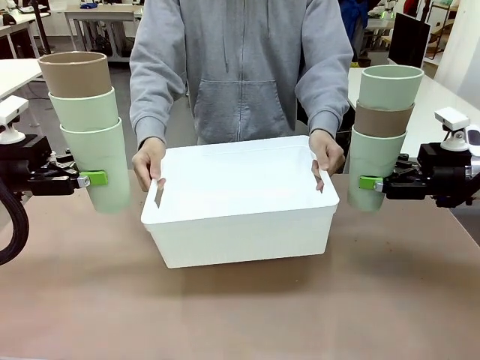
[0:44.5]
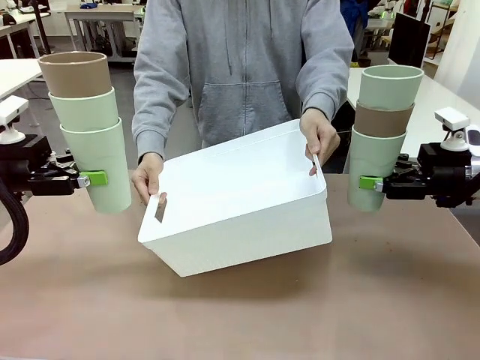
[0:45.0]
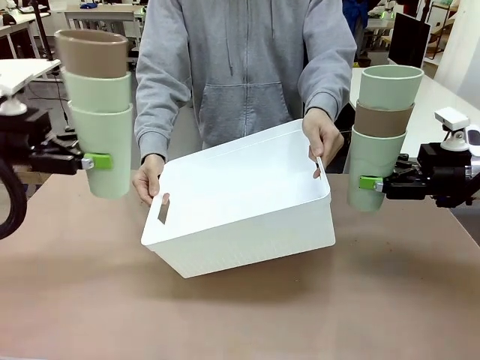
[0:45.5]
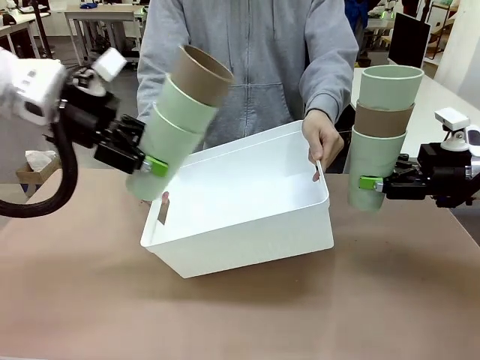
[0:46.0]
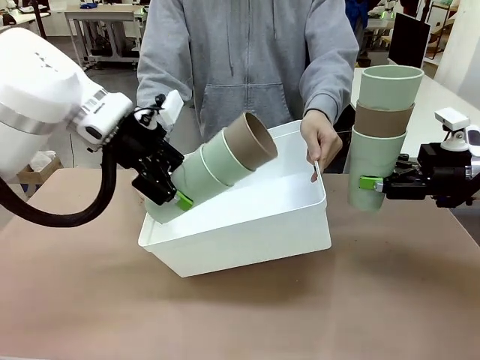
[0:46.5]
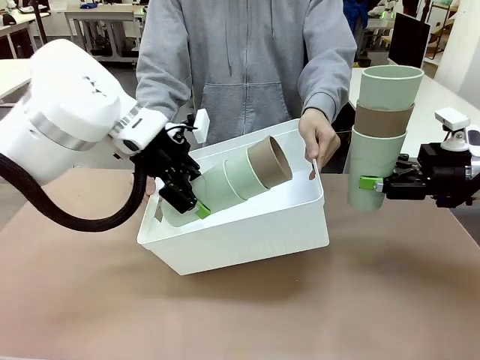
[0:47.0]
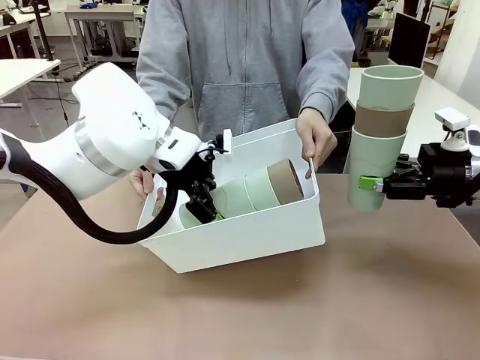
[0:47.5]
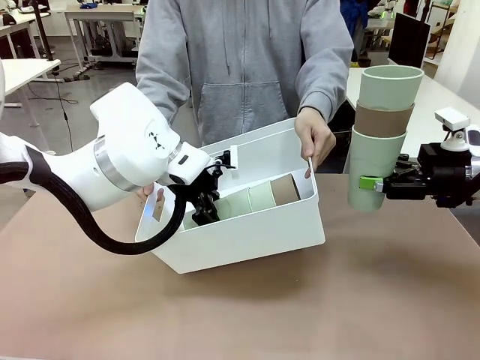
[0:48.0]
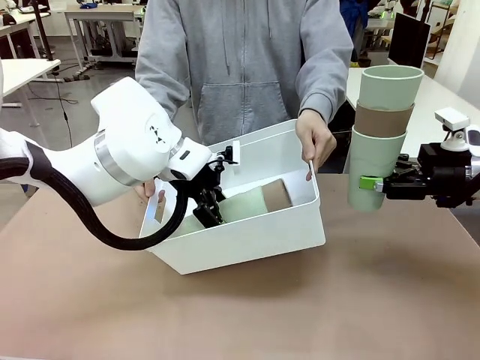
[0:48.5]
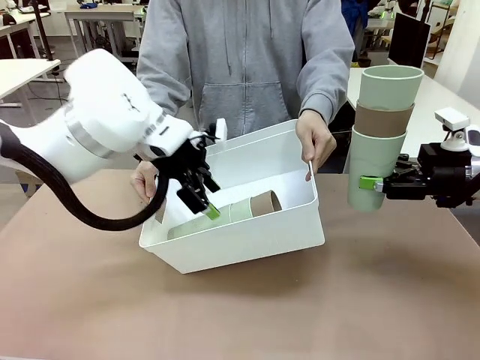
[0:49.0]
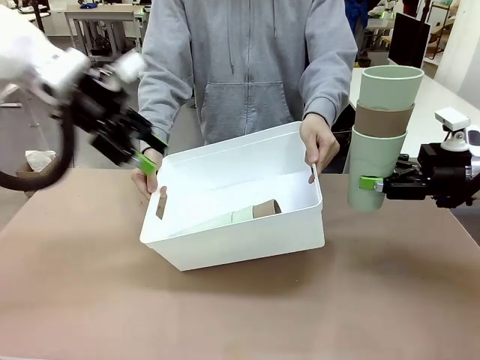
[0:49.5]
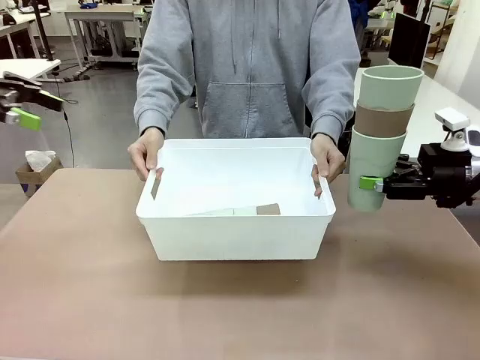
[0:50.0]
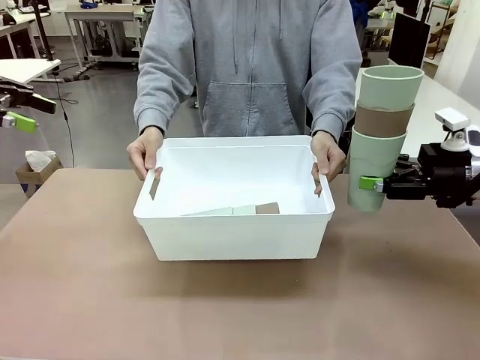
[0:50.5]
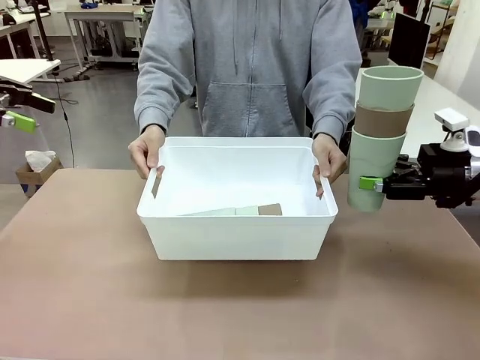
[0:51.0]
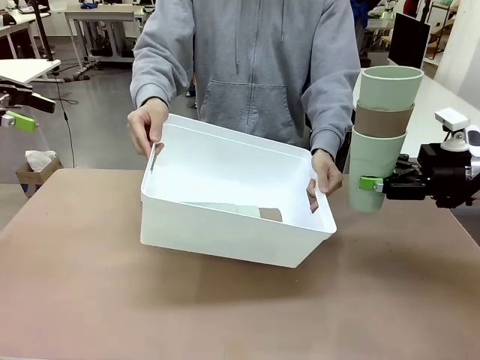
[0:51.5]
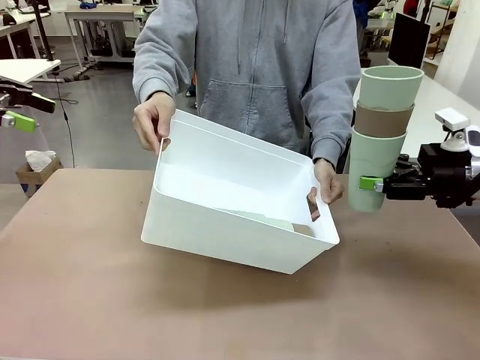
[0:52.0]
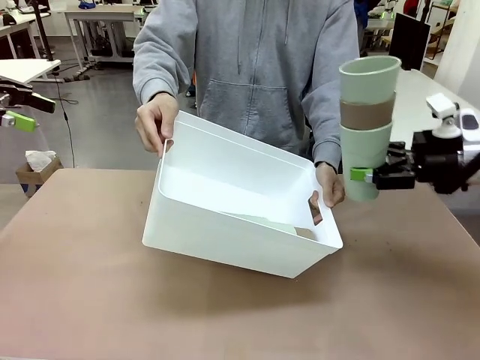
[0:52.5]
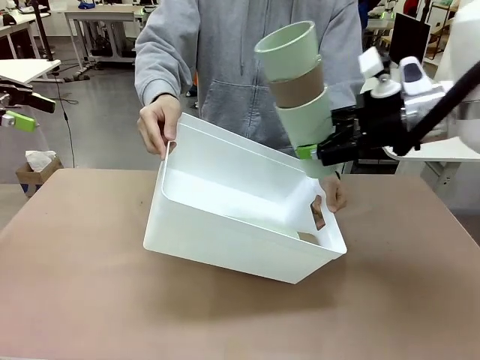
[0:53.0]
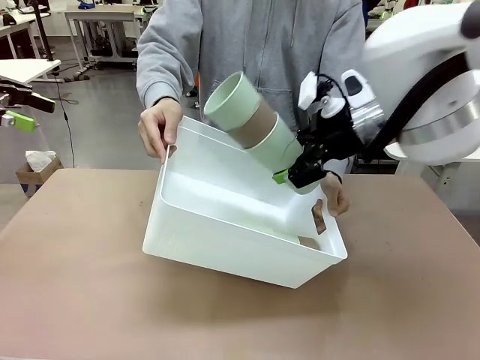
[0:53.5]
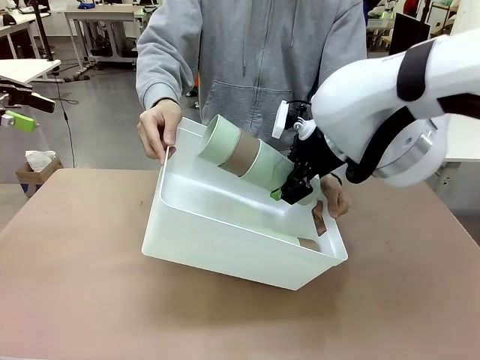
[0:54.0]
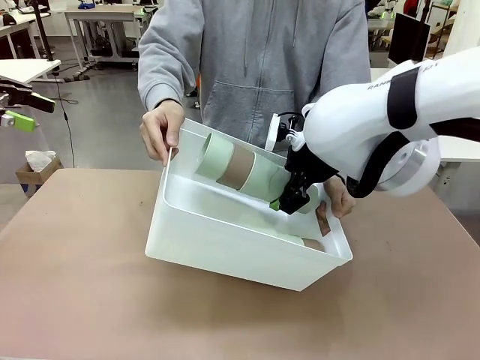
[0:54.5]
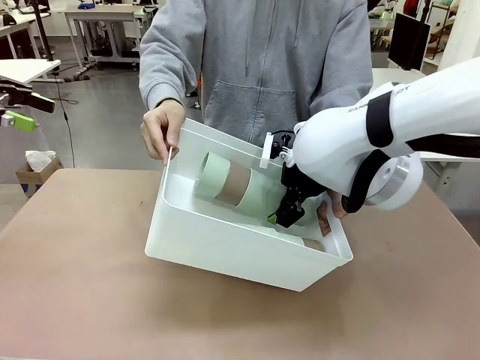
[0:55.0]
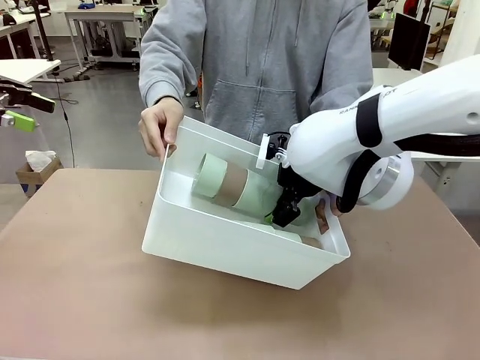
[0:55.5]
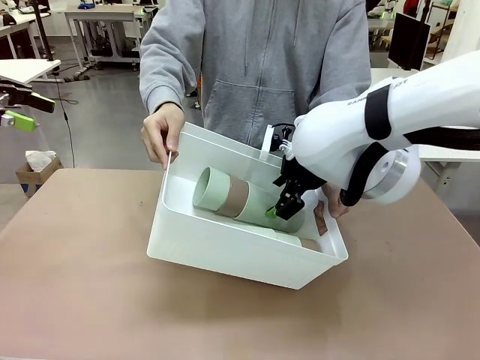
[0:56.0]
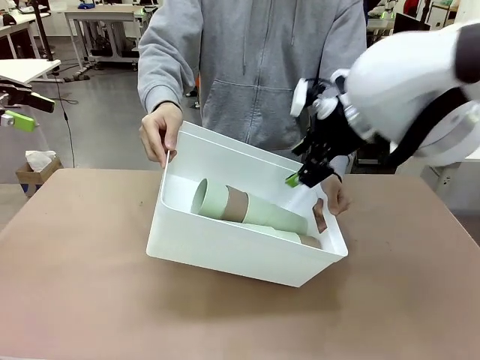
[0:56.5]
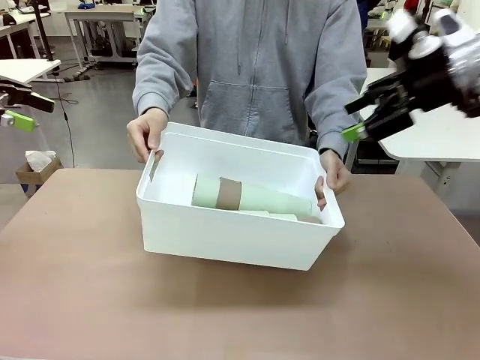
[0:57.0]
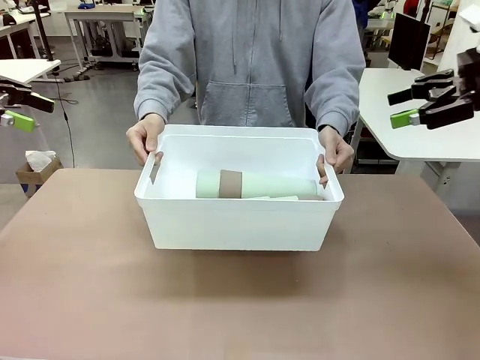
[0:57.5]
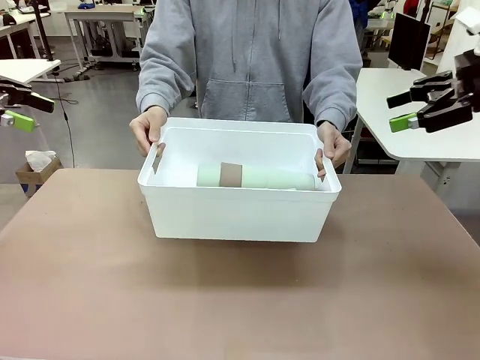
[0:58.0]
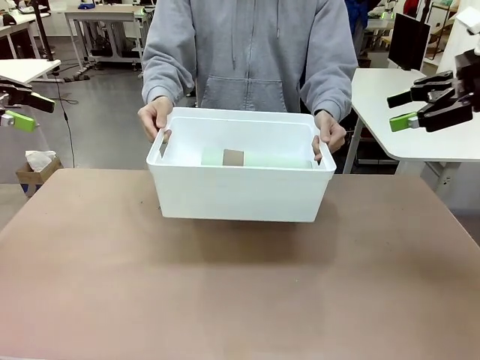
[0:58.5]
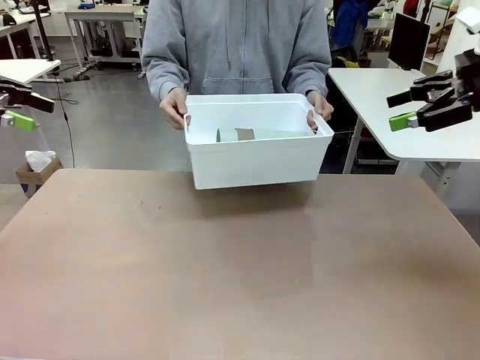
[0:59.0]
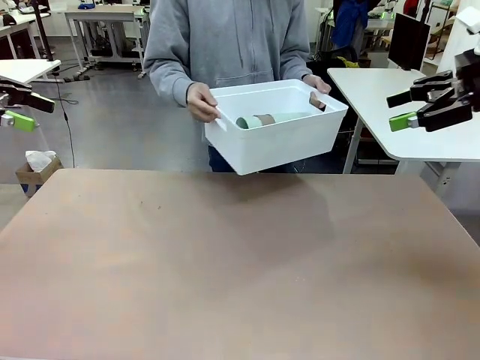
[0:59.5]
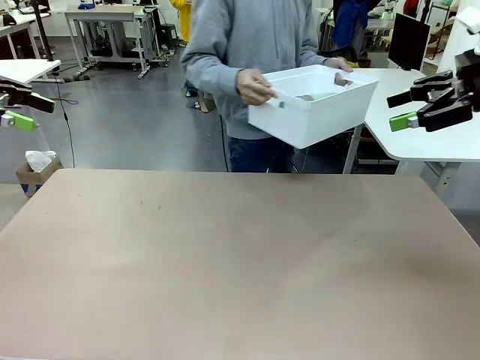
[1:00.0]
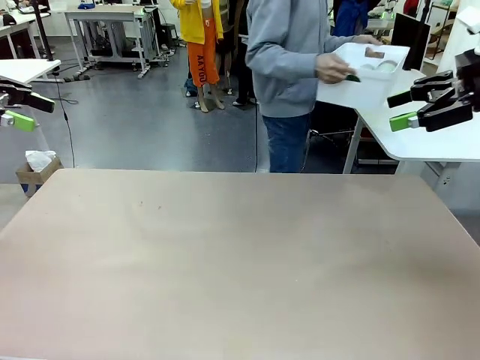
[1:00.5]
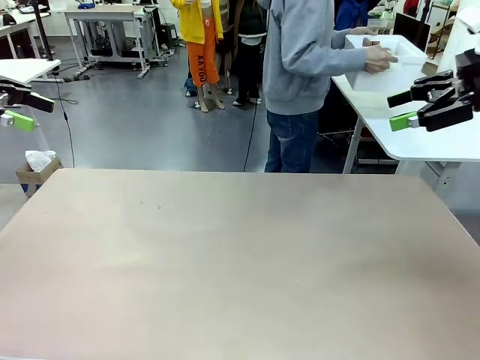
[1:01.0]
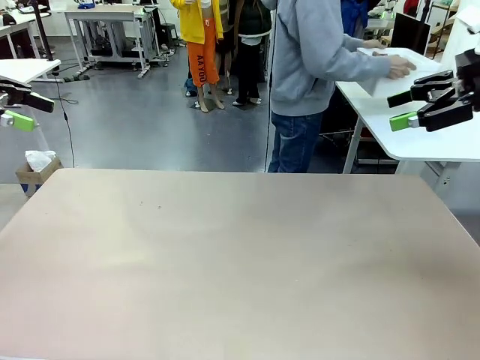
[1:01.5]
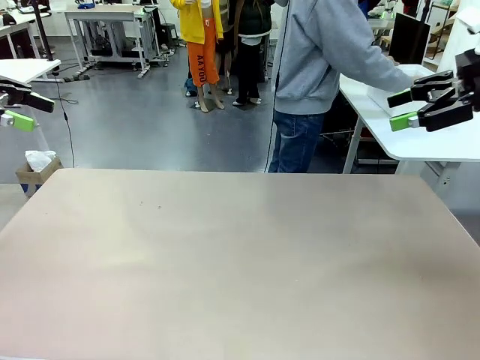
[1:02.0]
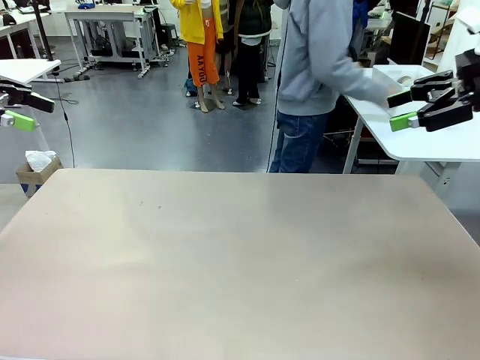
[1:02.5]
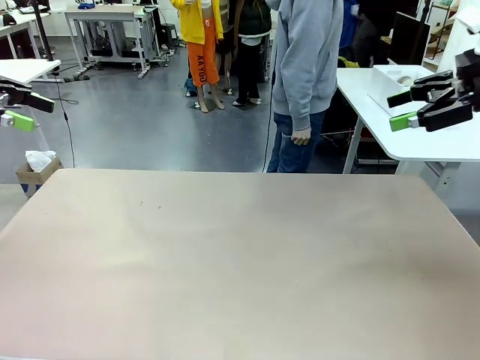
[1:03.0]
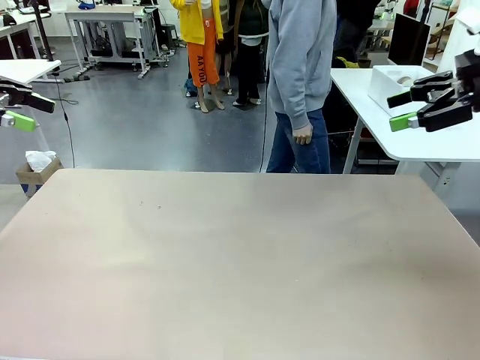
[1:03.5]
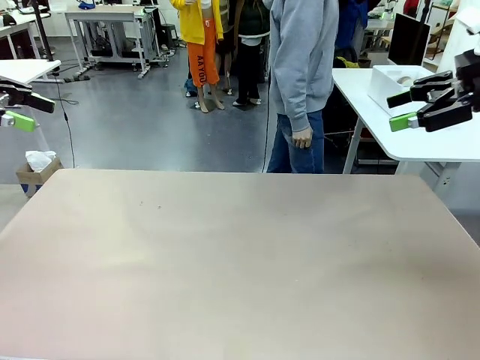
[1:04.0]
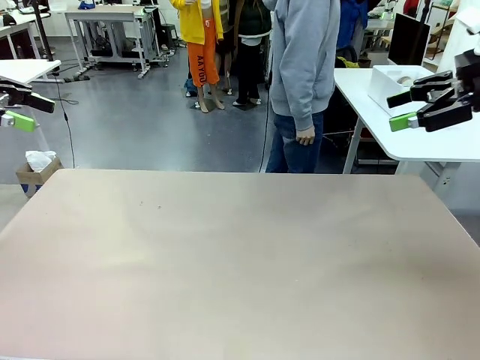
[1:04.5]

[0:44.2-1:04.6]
Task: Stack the cups and store them in the basket.
Robot: Place the stack of Reusable plastic cups into the Pantry Basket.
Person: Place the basket containing the cups in the middle of the Human Table.

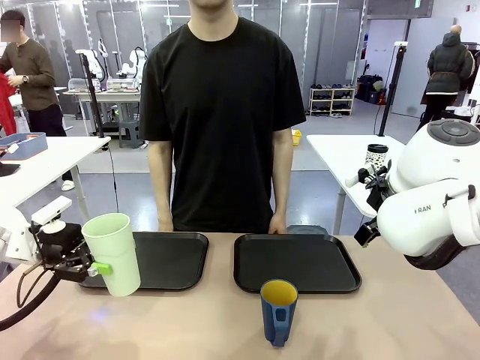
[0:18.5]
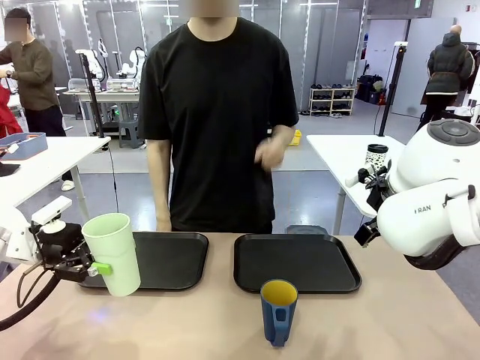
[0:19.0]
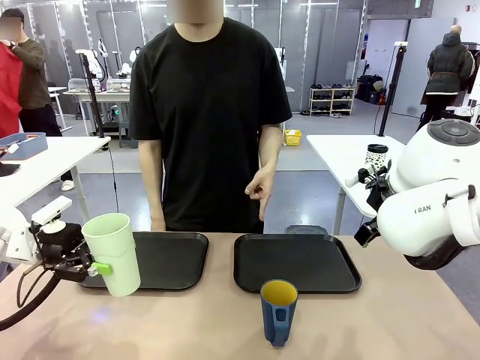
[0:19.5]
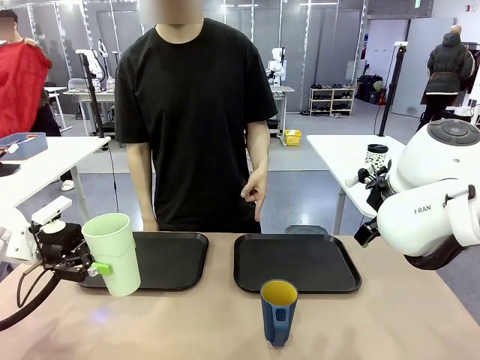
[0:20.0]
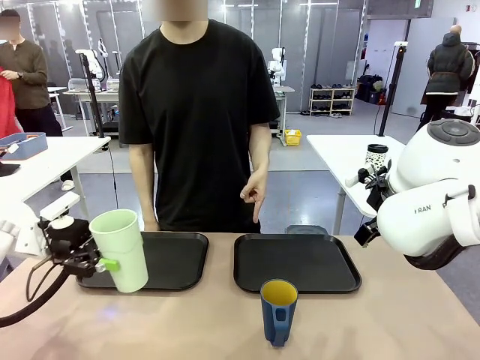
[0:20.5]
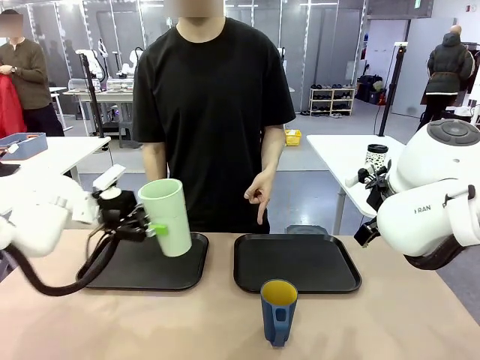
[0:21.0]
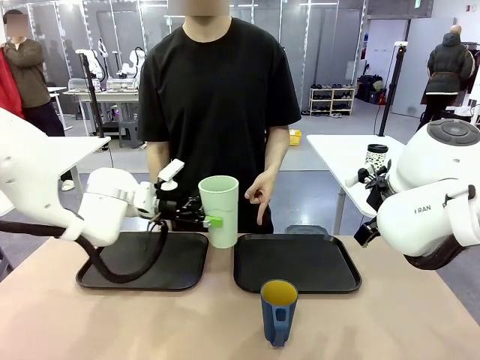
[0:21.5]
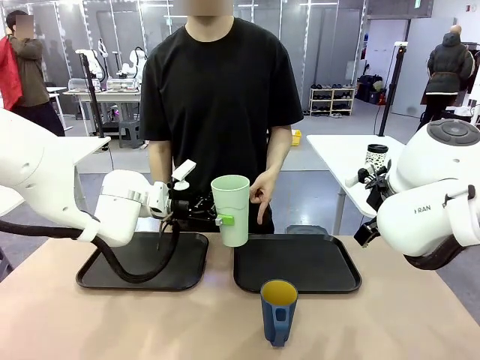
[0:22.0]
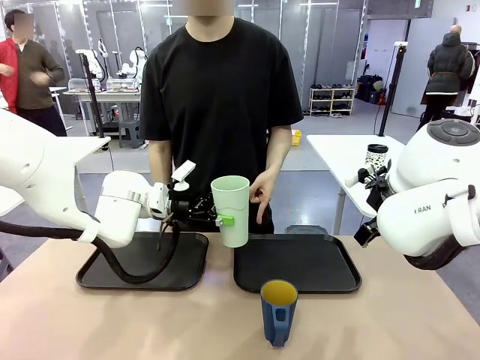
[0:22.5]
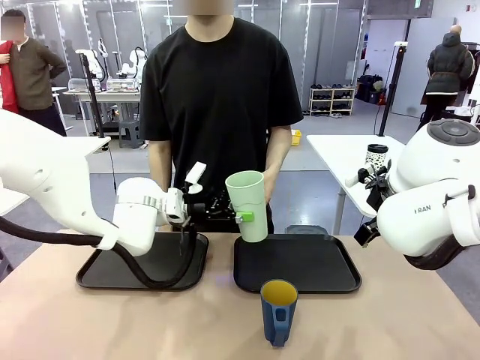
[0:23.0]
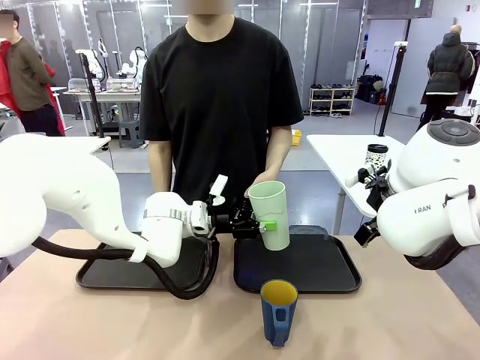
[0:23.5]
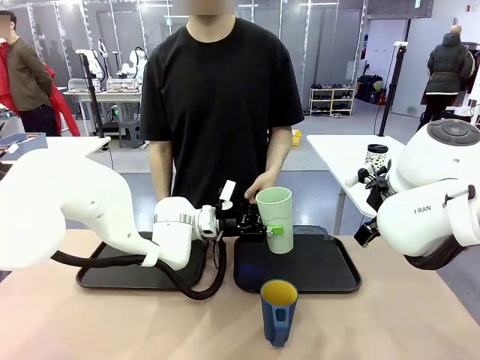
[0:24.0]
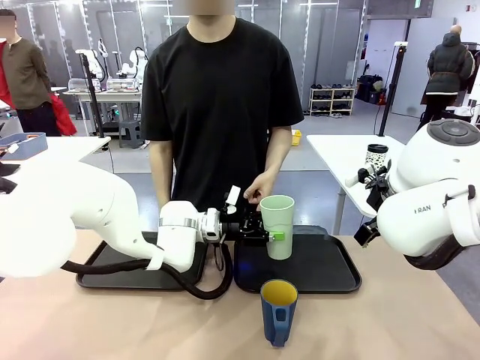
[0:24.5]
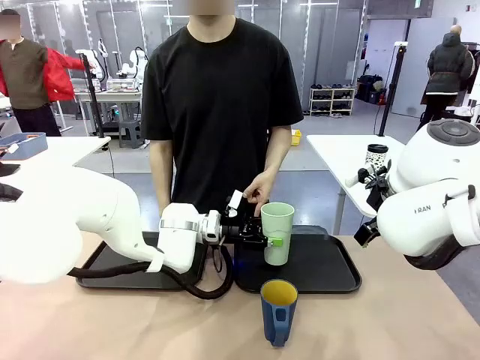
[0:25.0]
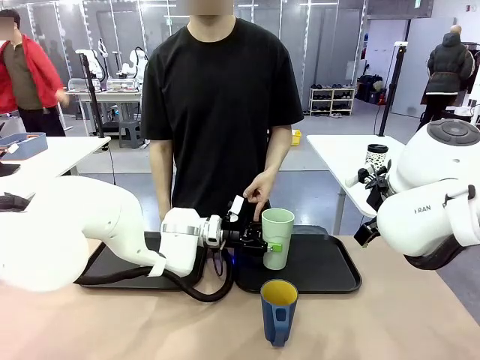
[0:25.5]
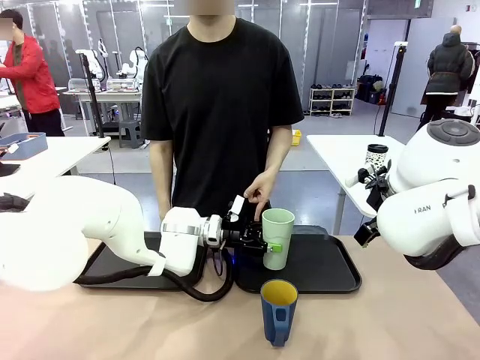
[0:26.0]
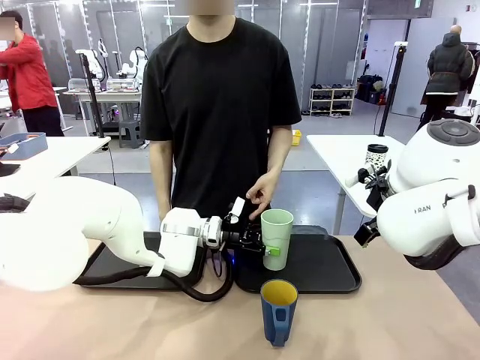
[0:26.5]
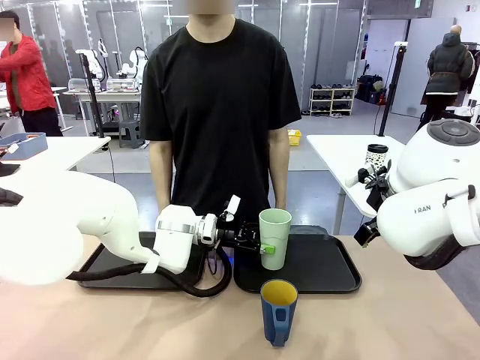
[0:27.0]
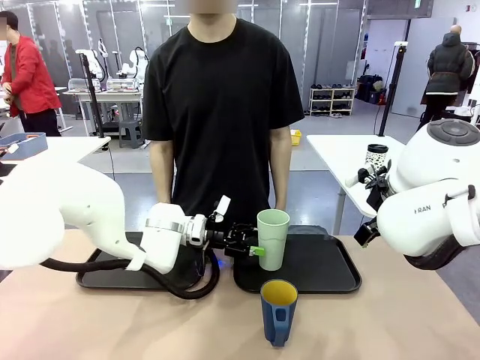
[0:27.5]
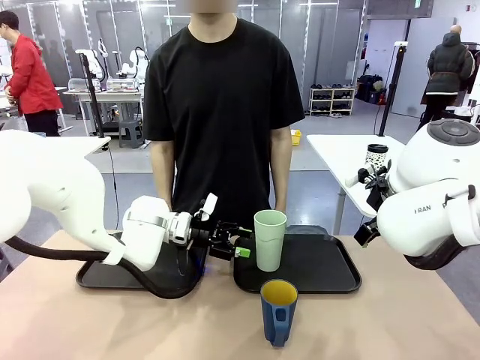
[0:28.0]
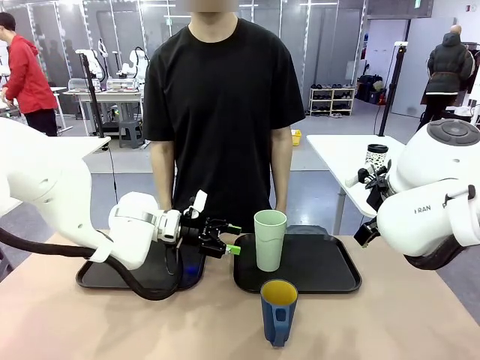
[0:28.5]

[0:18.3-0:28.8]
Task: Sort and store the cups by type.
Robot: Place the picked Reusable plastic cup into the Flat Tray indicated by the person.
